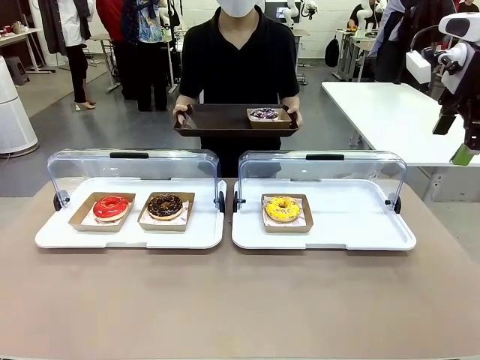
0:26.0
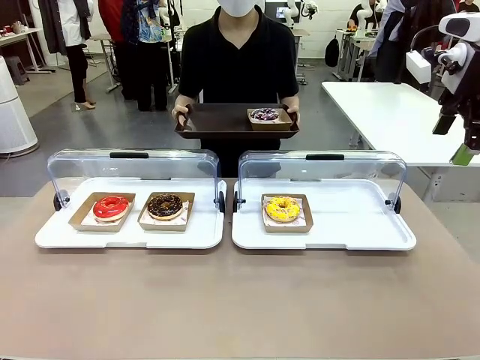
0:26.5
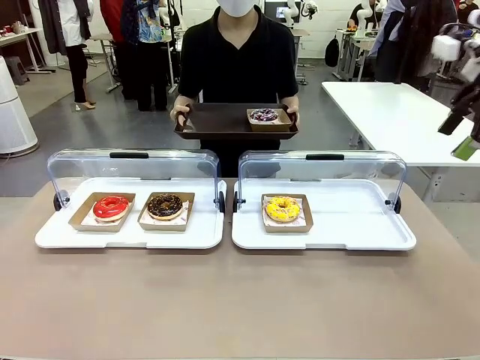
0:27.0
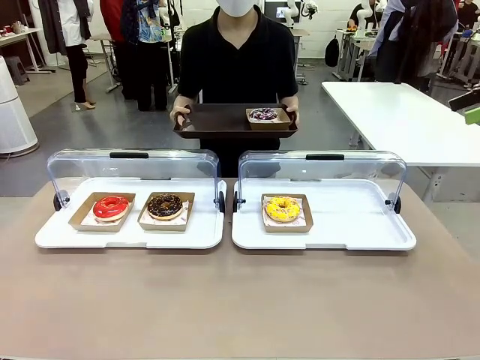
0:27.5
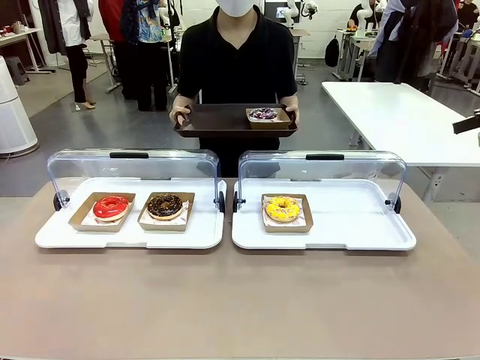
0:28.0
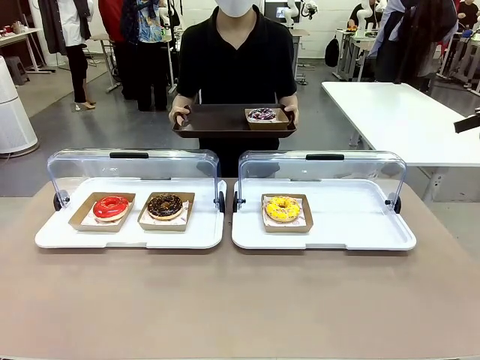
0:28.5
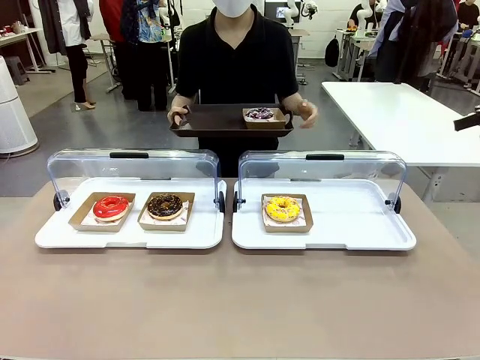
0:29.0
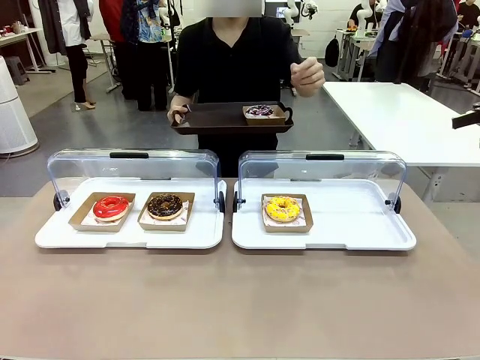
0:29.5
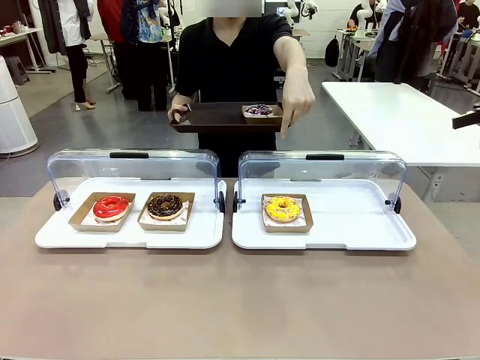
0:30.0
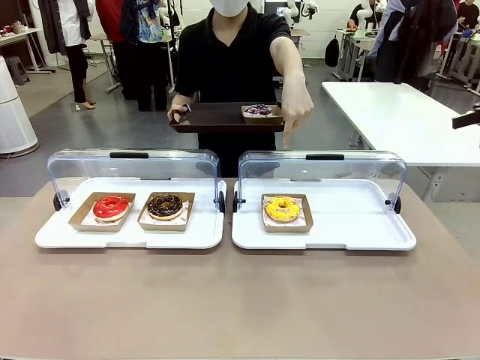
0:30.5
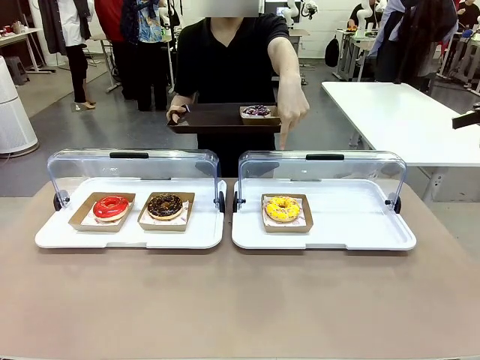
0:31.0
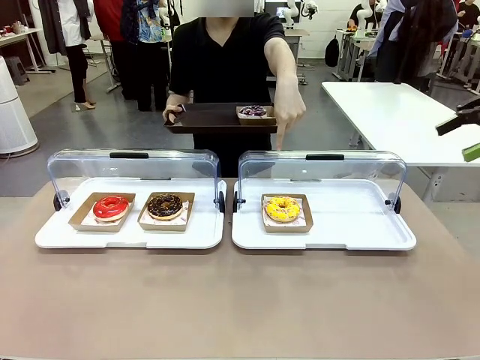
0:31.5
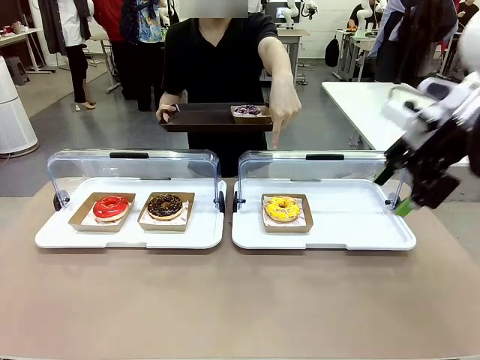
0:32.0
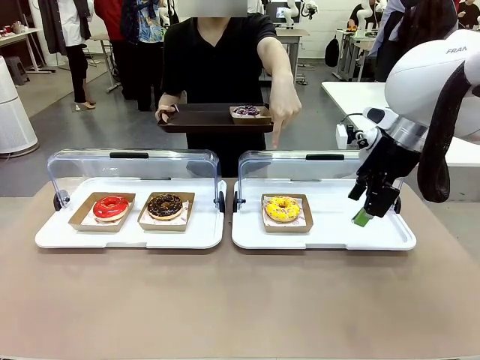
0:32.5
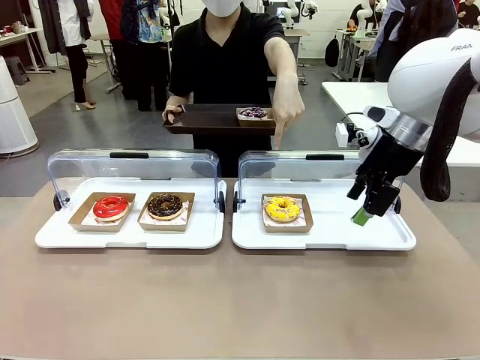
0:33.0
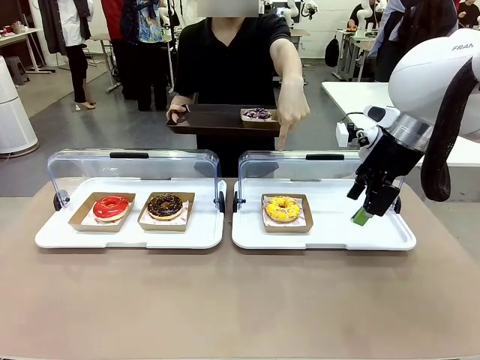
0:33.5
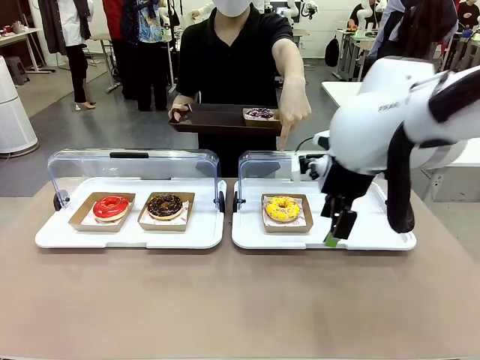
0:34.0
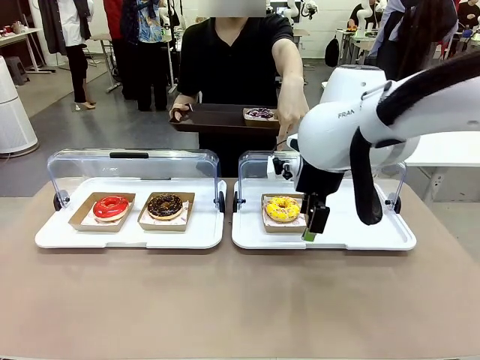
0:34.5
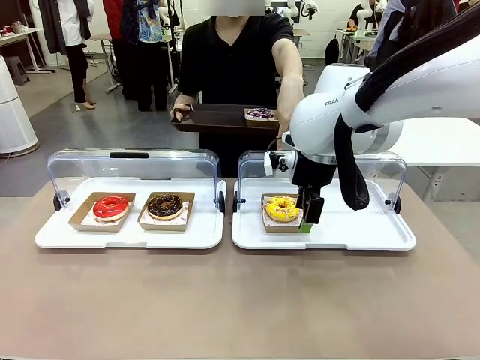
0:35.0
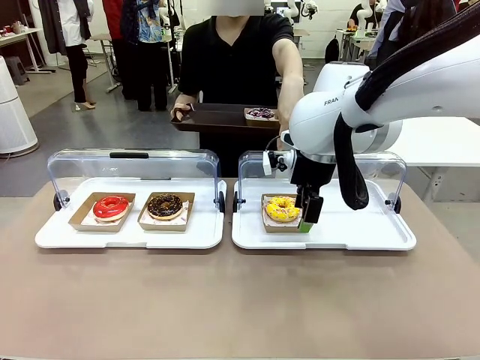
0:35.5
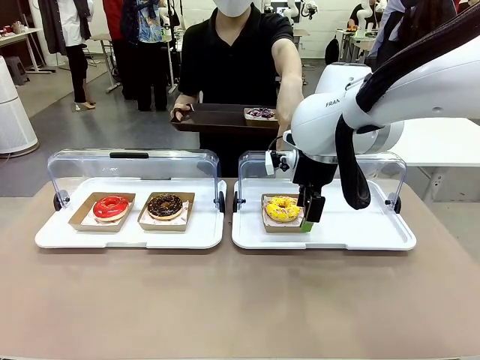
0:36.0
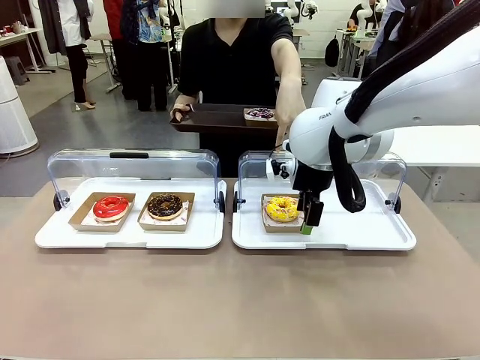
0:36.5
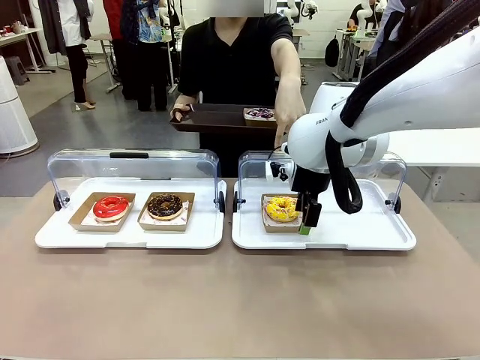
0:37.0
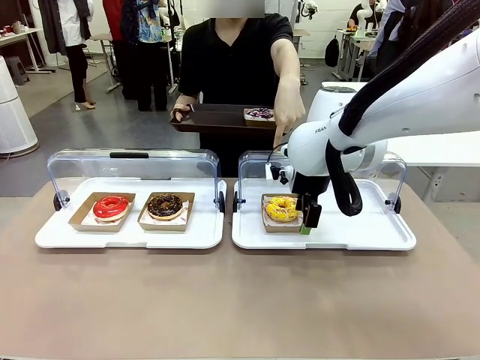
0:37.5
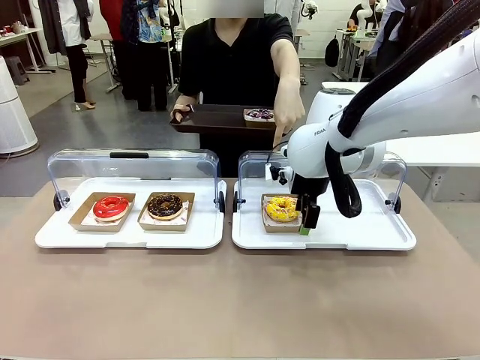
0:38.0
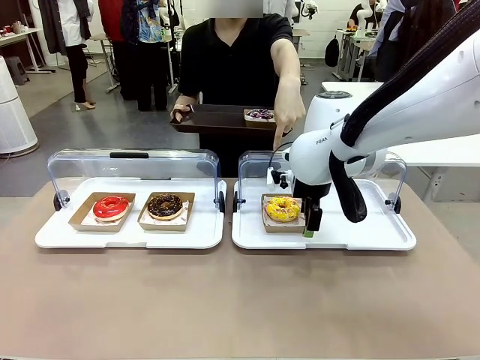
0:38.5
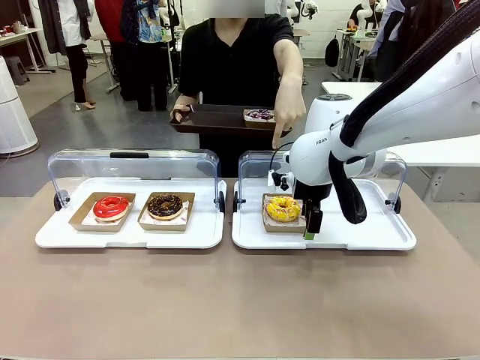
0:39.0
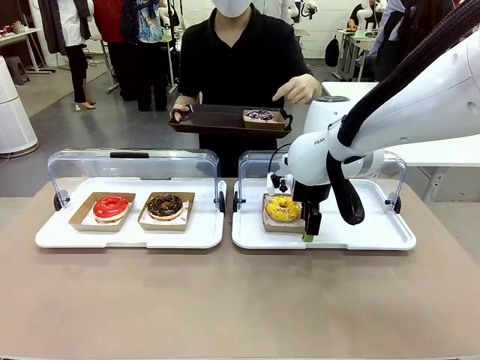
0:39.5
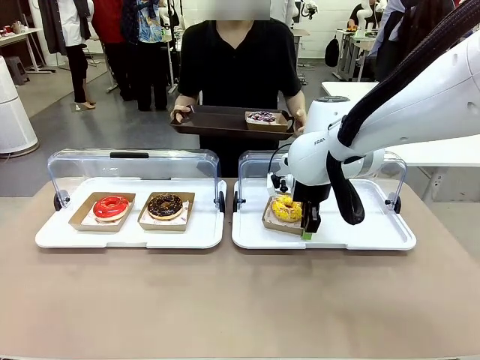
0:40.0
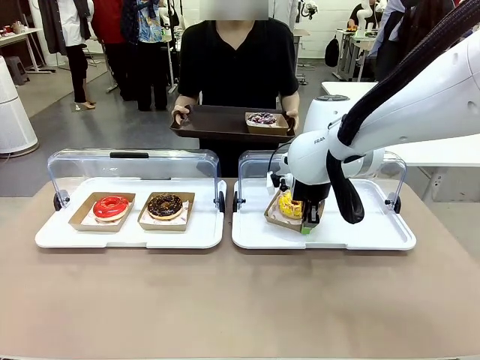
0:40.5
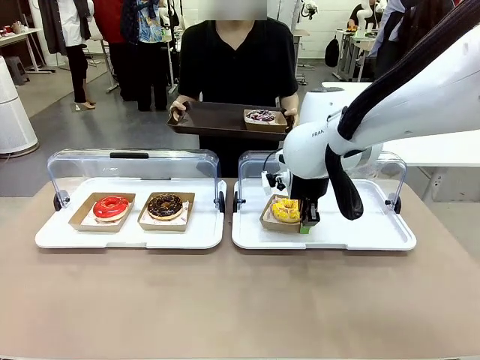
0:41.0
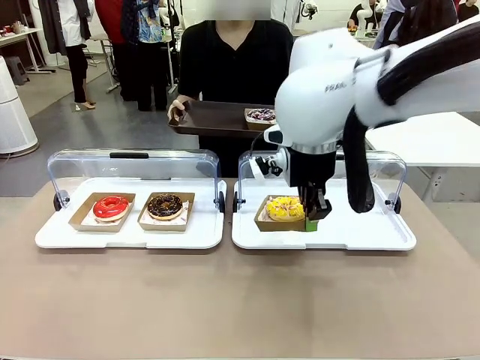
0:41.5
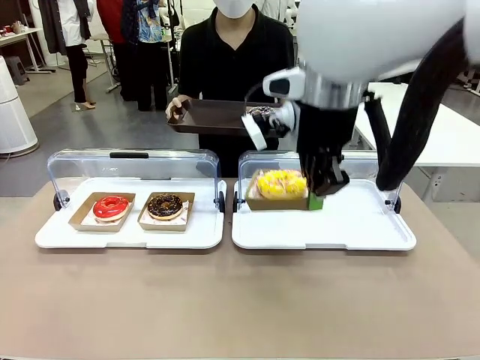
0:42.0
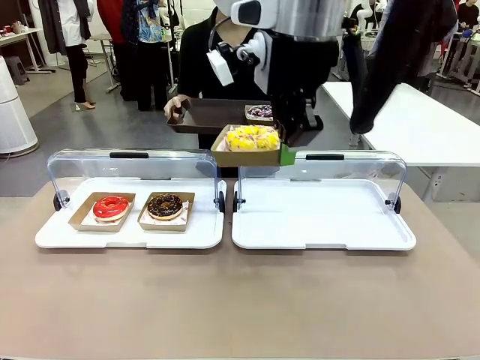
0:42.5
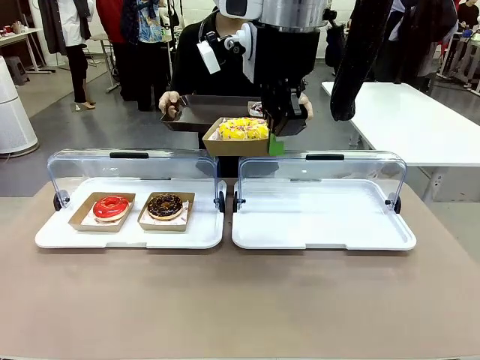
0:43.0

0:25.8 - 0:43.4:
Task: Provide the desired donut to the person.
Robot: Pick up and lift the Paper togo box containing the Donut pointed at by the person.
Person: Point to one donut. Lift the tray onto the Roll-Top Bakery Case.

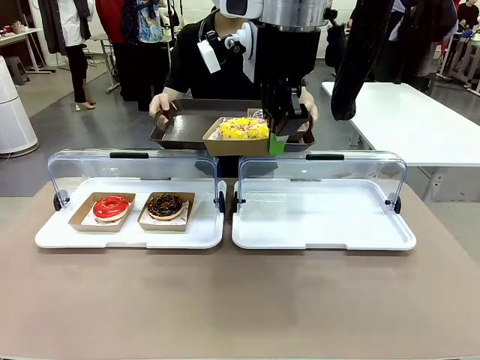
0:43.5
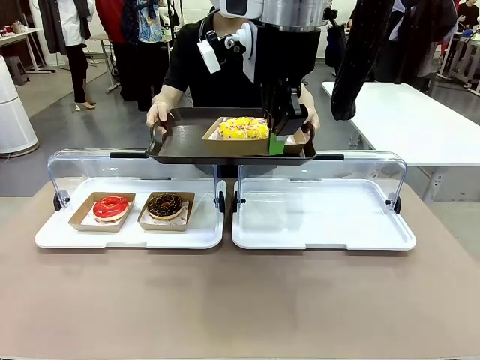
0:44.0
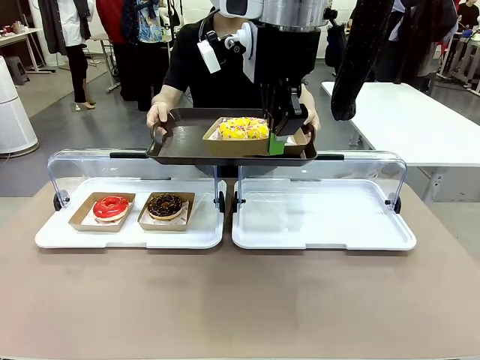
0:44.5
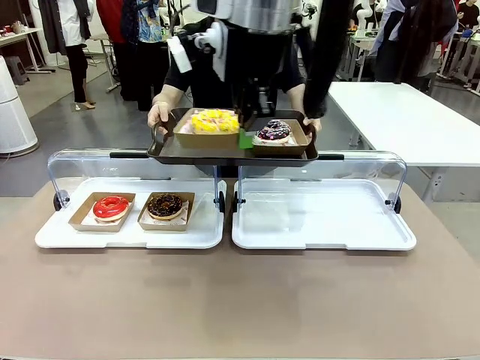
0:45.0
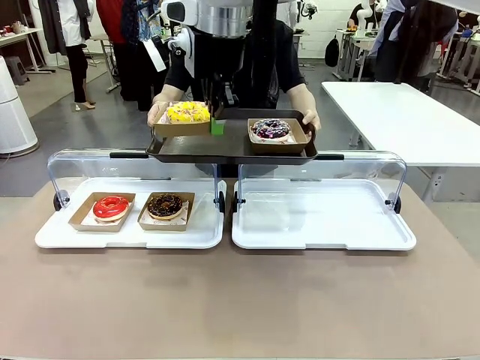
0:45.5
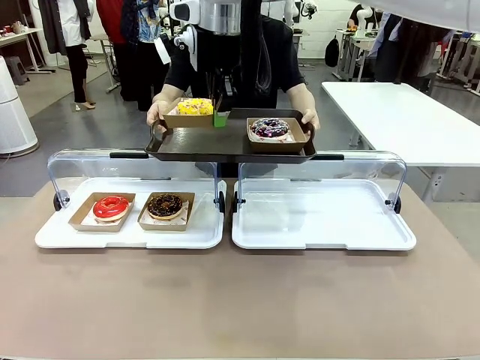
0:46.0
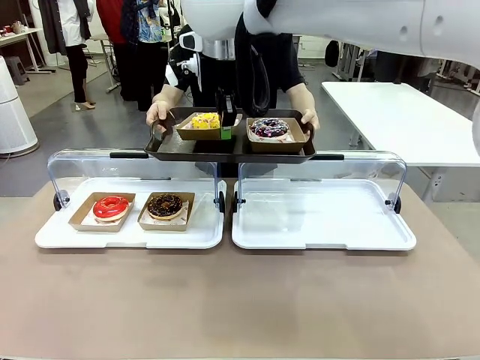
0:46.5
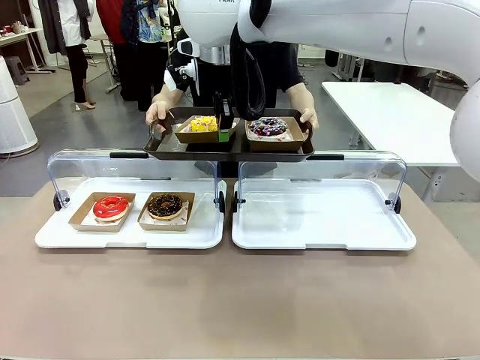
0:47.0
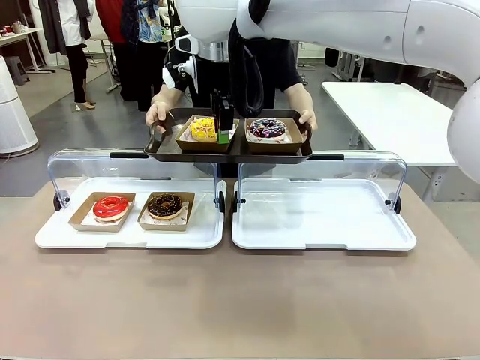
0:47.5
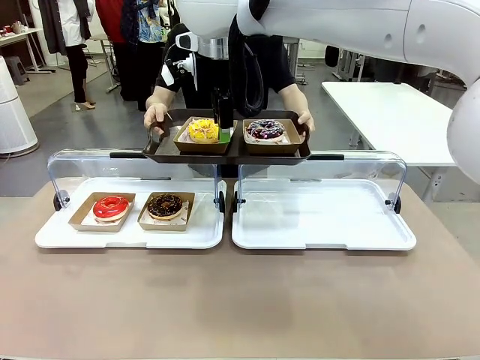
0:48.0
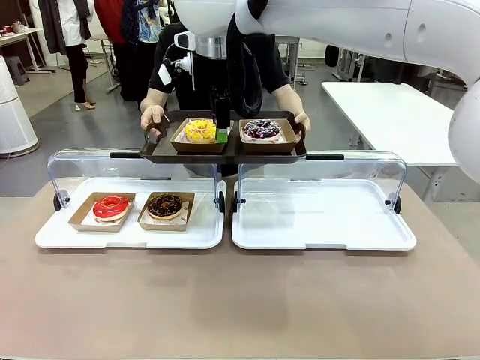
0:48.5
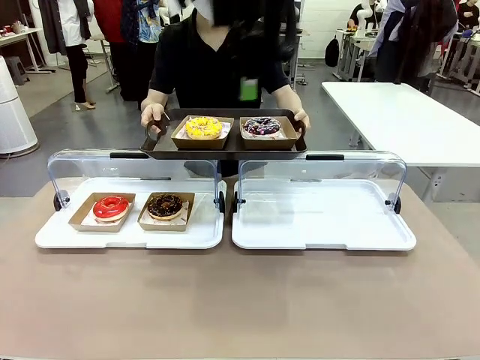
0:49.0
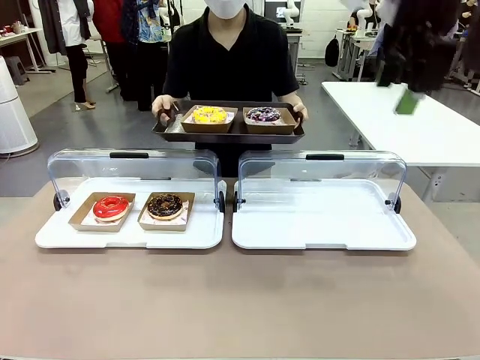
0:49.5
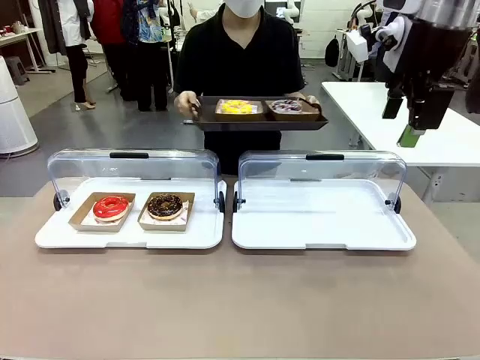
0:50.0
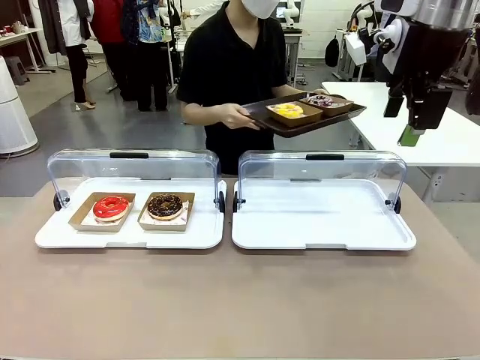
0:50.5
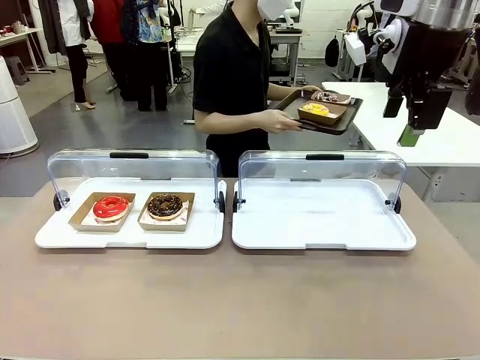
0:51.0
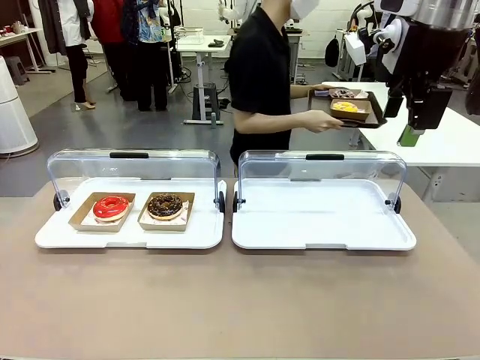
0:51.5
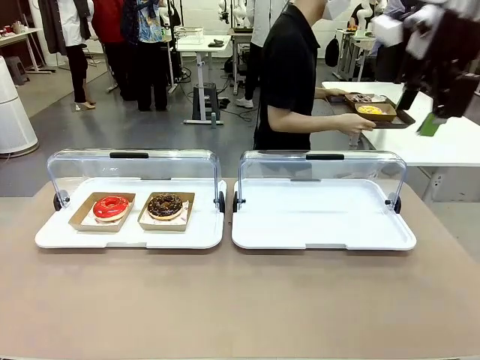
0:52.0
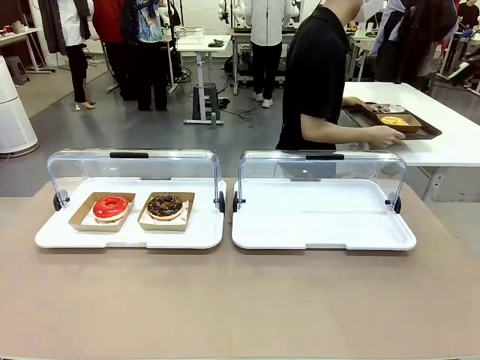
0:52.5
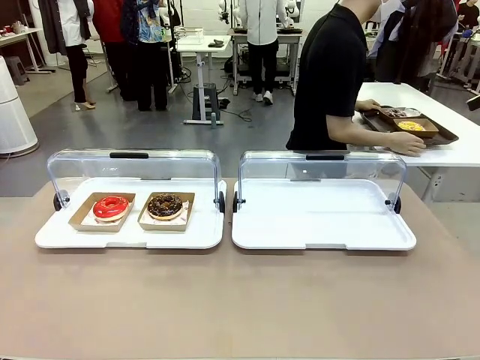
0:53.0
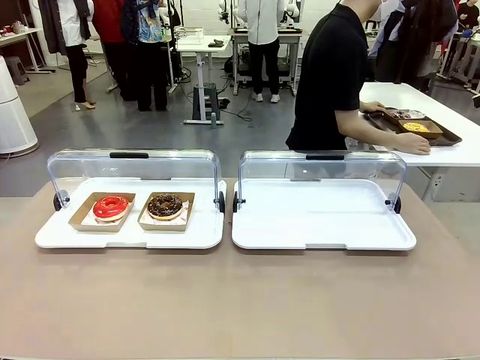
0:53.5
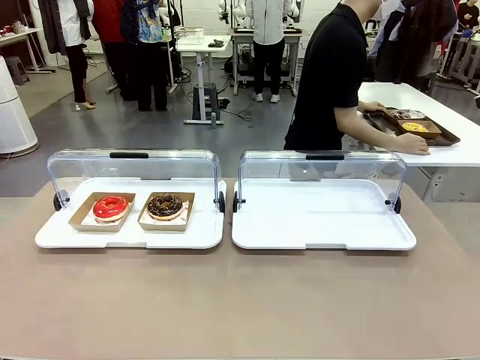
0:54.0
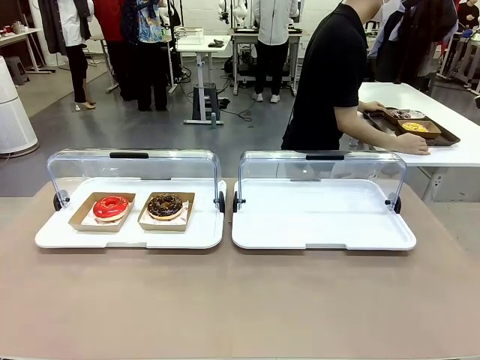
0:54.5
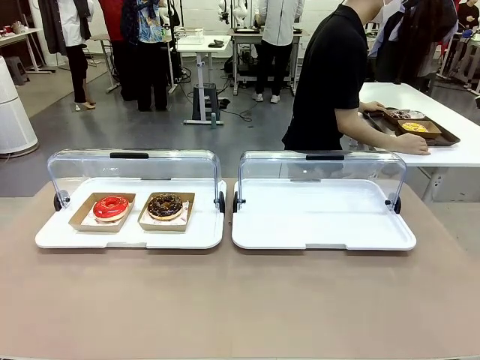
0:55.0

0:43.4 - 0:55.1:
Robot: Place the picked Paper togo box onto the Handle tray extended by the person.
Person: Place the tray in the middle of the human table.
